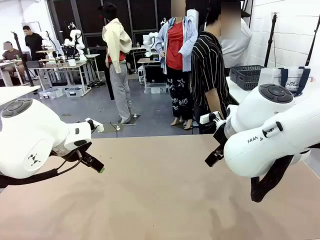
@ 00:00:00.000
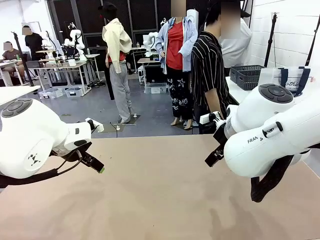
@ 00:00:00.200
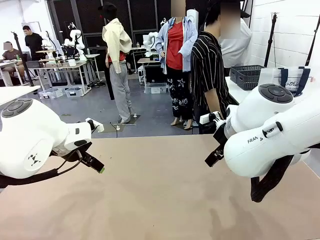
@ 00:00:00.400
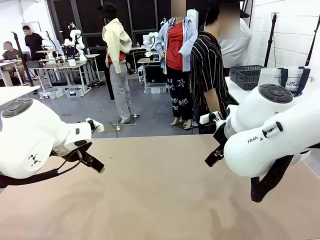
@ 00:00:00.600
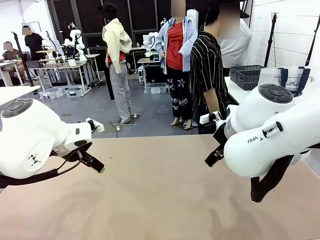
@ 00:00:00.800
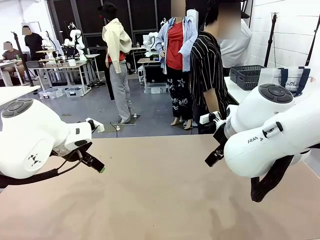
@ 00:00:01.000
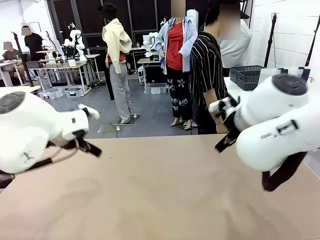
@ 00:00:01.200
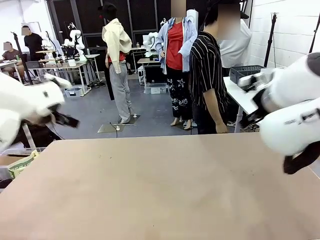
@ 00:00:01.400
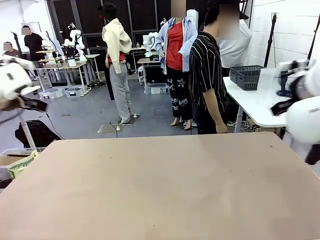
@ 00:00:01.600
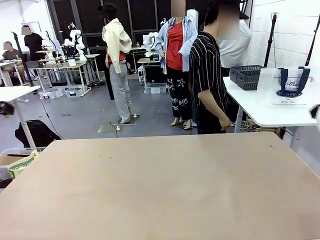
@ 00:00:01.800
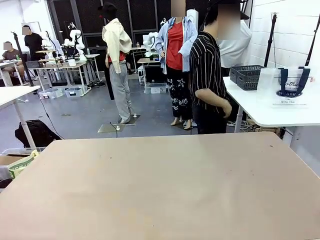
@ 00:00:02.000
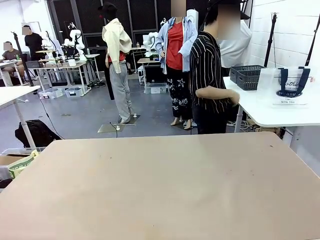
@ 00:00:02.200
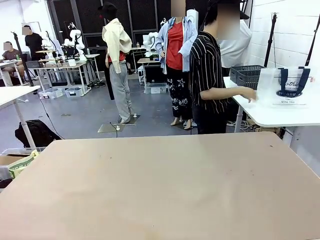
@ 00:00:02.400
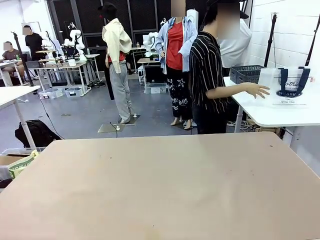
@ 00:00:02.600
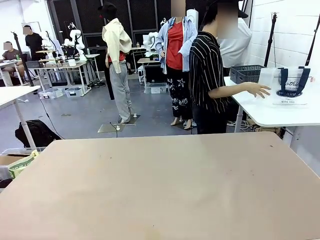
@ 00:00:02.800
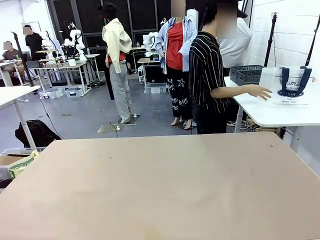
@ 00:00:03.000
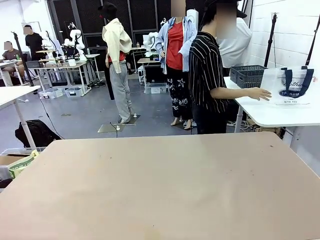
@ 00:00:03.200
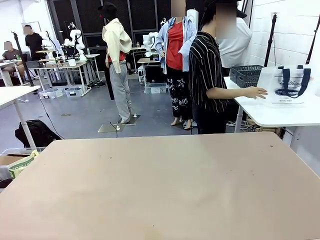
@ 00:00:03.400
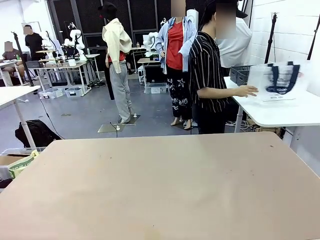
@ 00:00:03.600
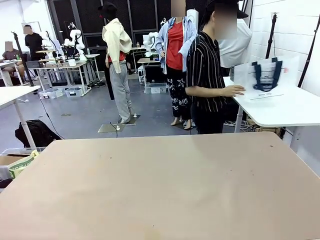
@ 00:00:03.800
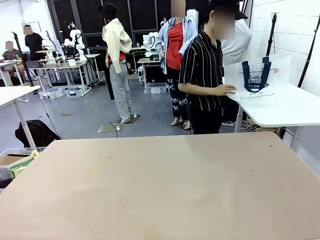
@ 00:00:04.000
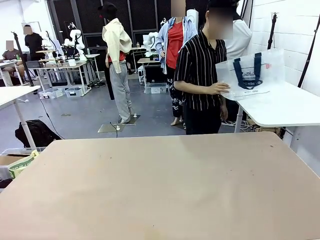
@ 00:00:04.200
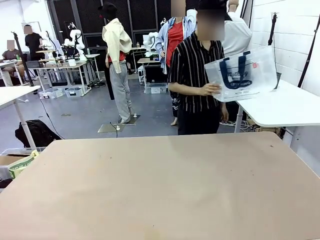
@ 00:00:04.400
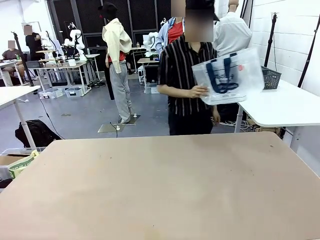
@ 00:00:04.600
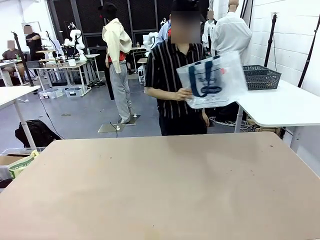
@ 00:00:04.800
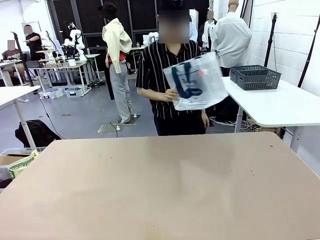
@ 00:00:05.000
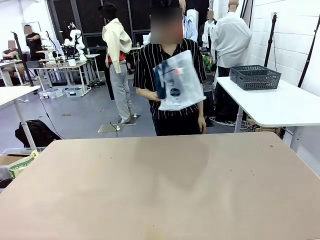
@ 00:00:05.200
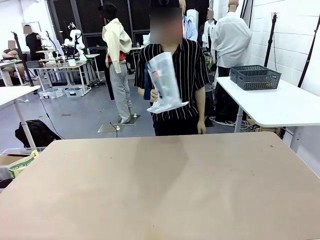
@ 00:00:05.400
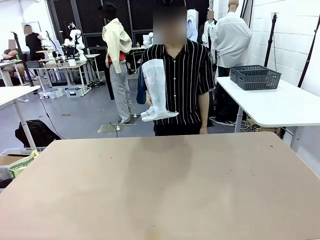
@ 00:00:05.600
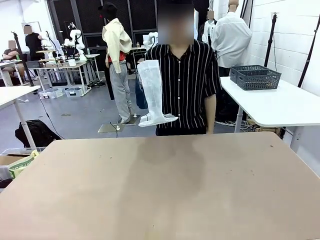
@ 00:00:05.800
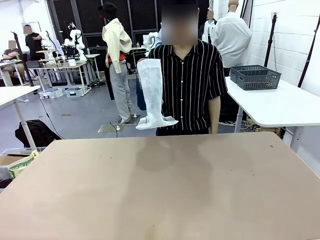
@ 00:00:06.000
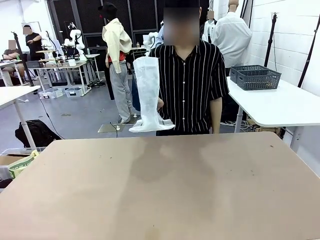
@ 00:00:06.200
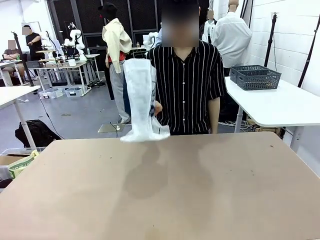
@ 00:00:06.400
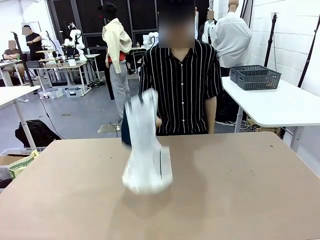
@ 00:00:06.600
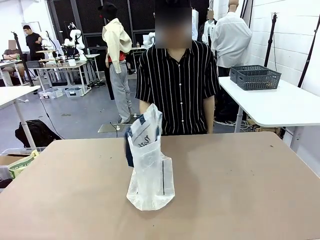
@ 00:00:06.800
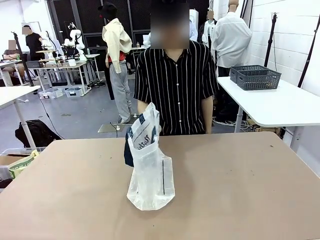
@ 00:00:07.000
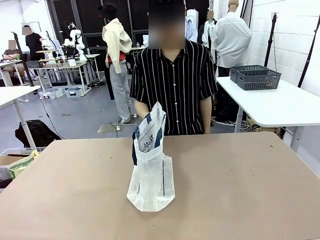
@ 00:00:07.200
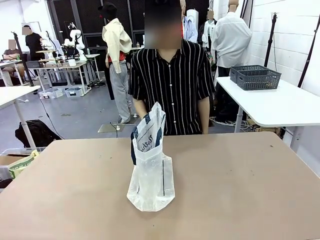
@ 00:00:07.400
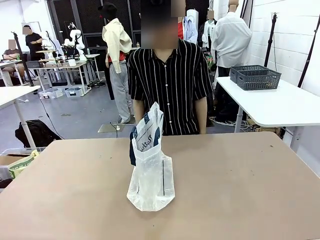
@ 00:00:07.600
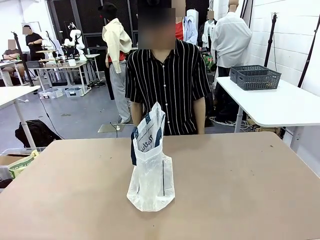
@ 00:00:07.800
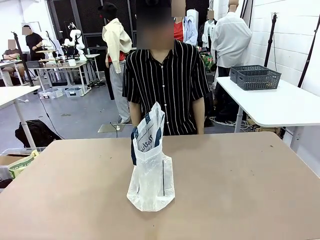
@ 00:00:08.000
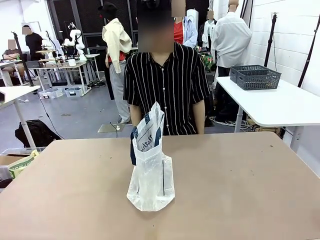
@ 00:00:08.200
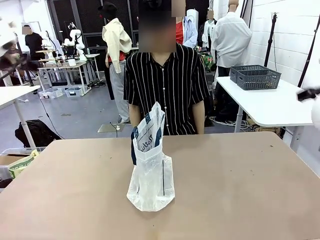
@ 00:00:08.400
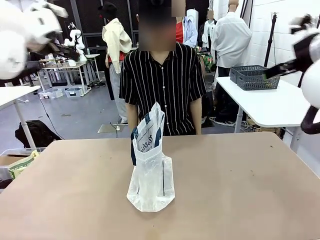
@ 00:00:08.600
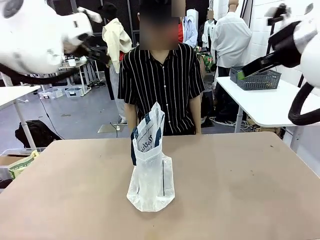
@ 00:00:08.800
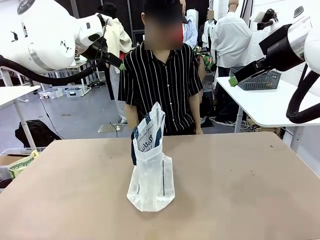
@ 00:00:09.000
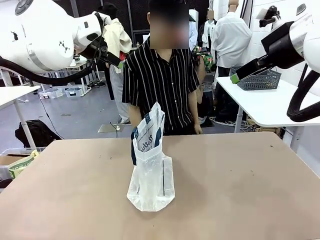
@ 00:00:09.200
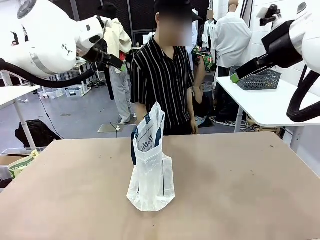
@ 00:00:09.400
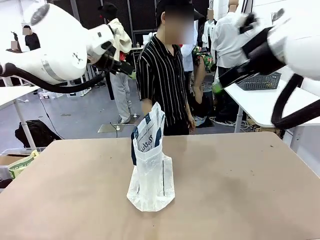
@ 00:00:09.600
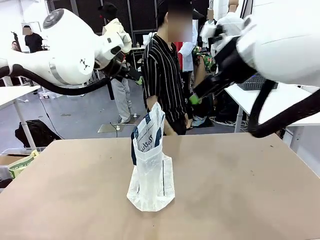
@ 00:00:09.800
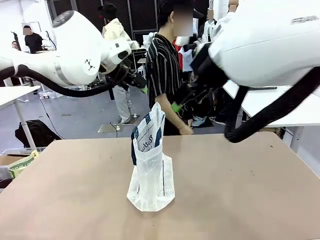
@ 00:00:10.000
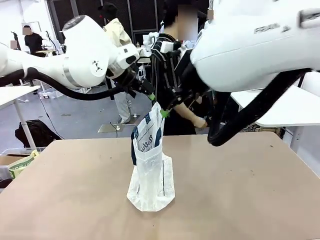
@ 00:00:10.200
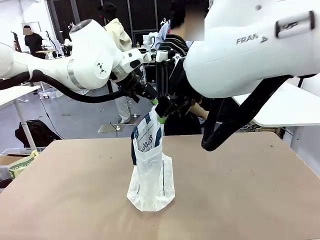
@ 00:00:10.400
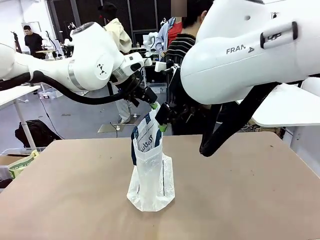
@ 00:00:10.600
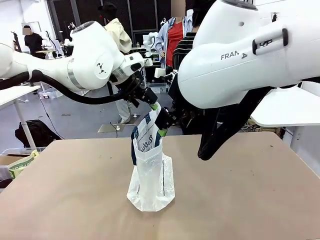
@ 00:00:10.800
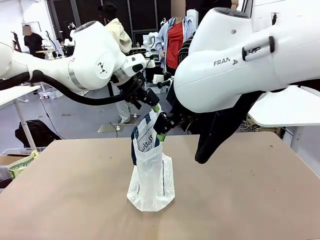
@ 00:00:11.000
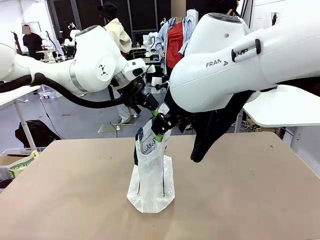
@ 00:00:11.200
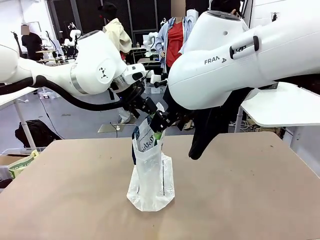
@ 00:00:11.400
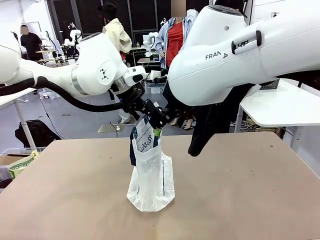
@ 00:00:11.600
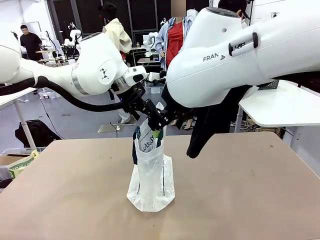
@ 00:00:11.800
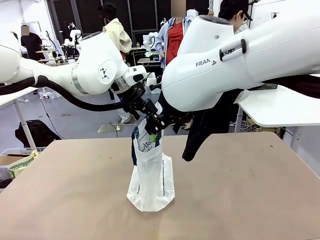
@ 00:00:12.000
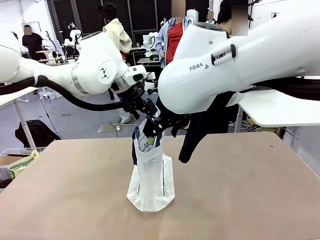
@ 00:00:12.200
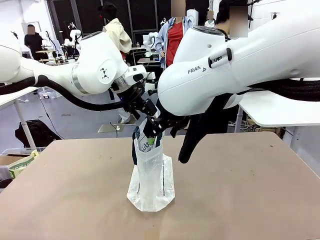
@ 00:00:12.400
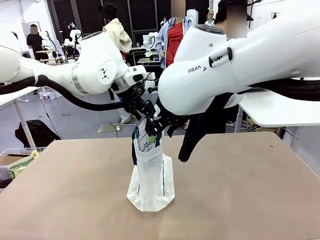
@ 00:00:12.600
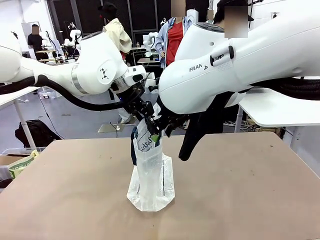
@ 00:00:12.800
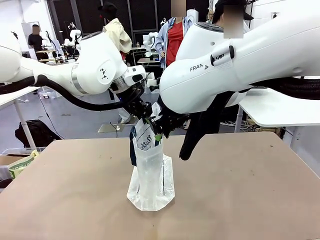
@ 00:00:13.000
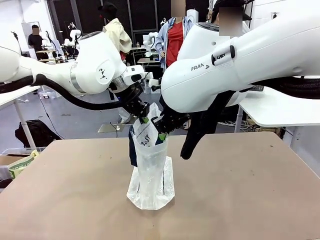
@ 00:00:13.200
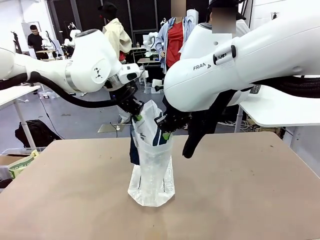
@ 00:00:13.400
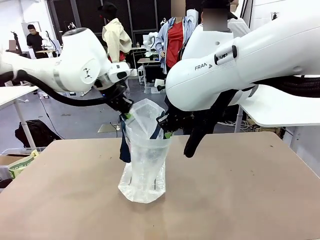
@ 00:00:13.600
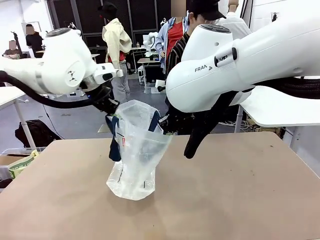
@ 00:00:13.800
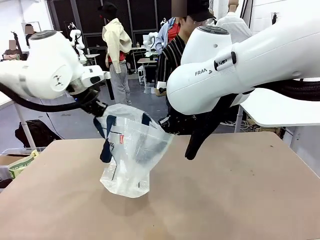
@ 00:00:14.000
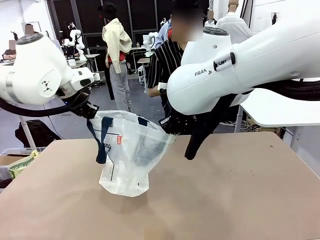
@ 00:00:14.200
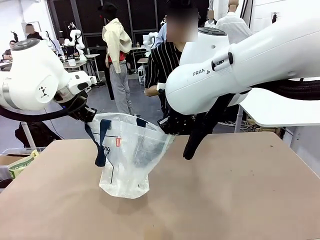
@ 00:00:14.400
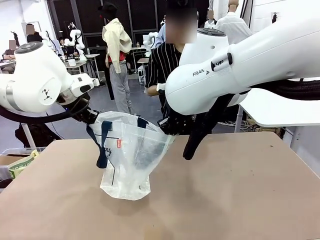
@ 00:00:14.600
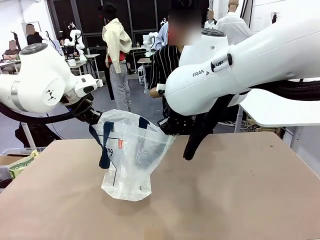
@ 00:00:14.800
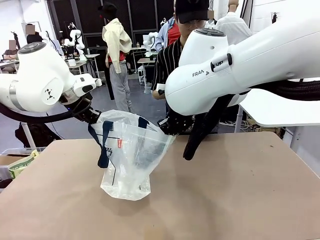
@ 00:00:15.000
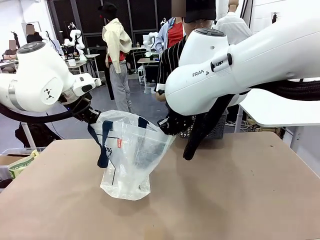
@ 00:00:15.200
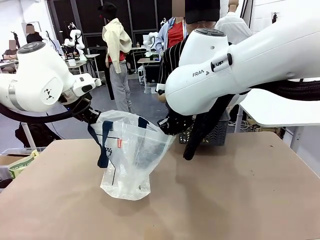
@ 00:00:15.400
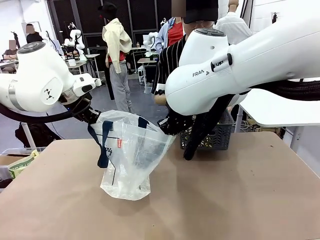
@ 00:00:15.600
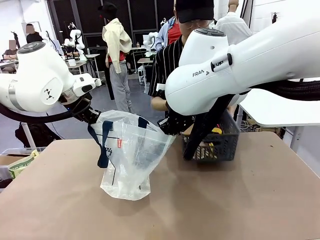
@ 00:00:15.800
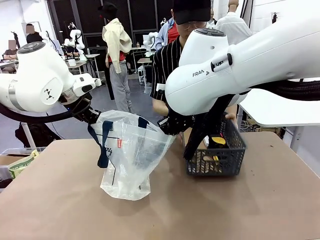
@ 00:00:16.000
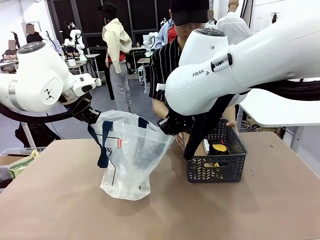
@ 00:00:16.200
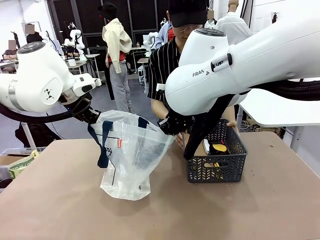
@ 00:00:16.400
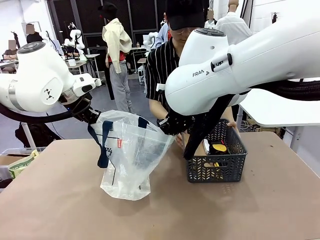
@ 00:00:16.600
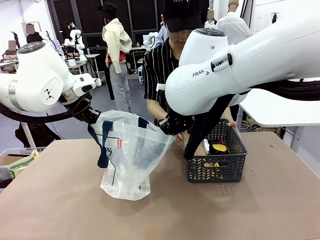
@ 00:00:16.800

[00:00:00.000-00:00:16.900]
Task: Transfer purchased items from the store into the shopping bag.
Robot: Open the Reusable shopping bag in the center of the table.
Person: Pick up the shopping bag and place it in the middle of the robot table. Pick up the basket on the right, place it on the left side of the robot table, and move the items in the basket to the shopping bag.
